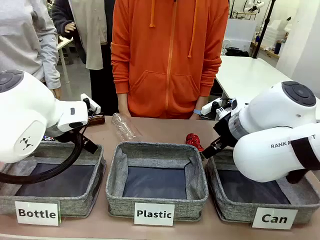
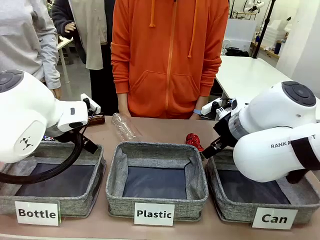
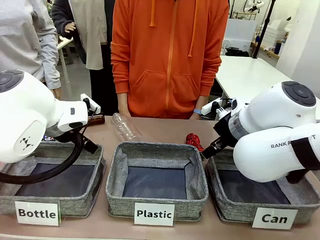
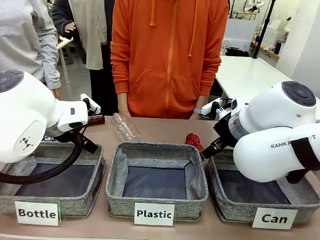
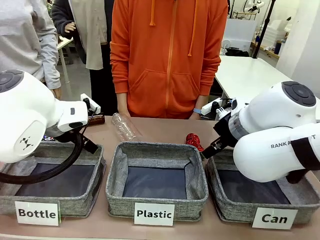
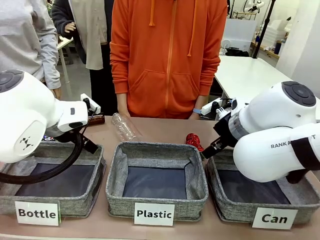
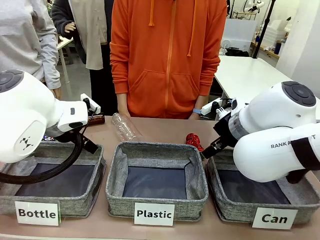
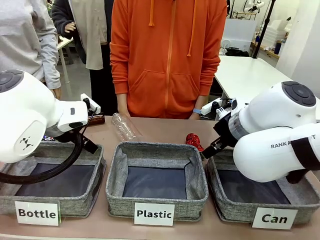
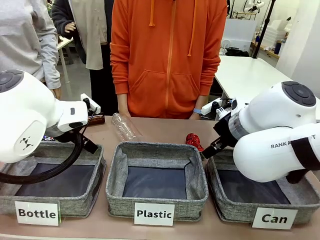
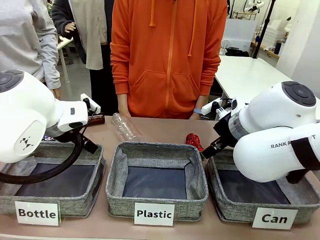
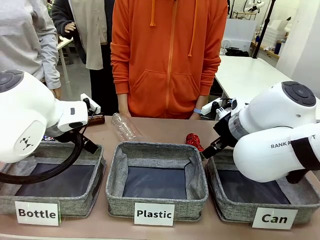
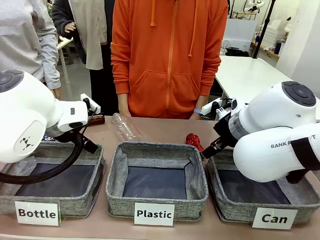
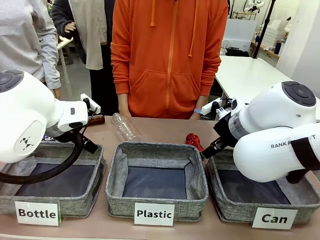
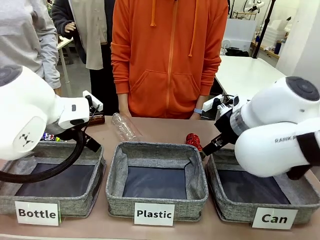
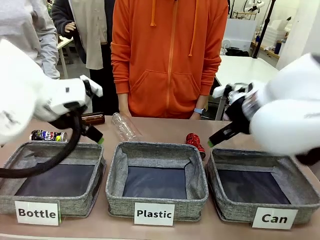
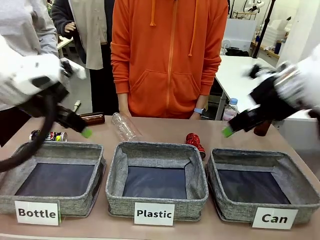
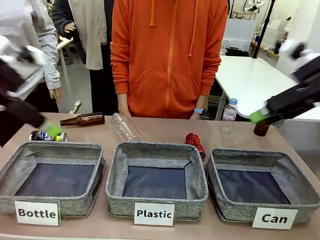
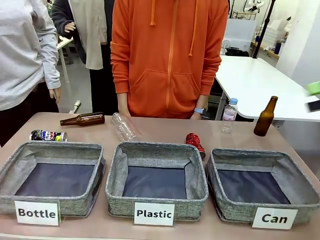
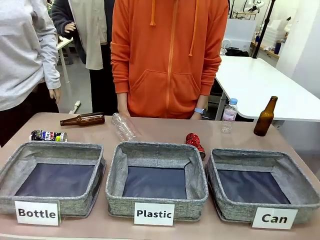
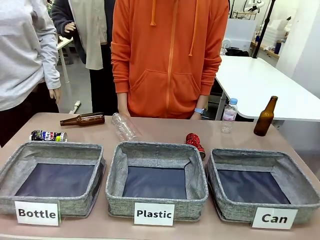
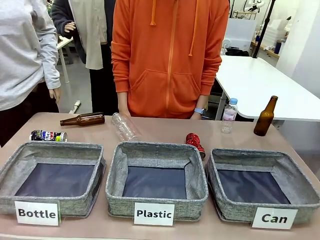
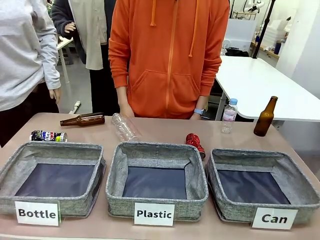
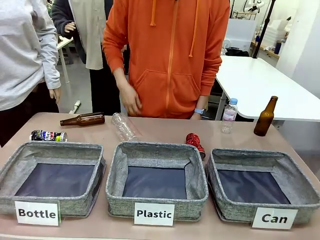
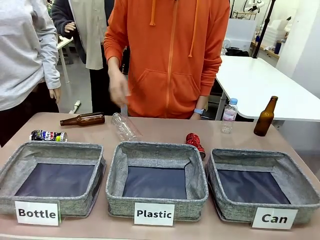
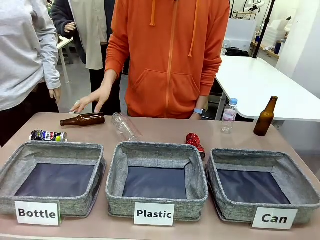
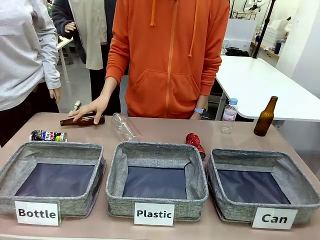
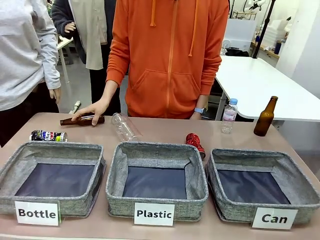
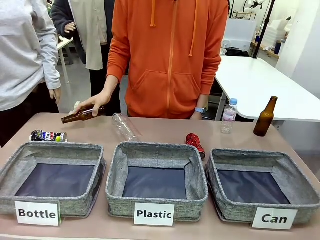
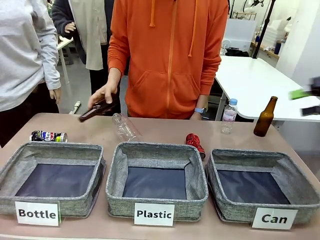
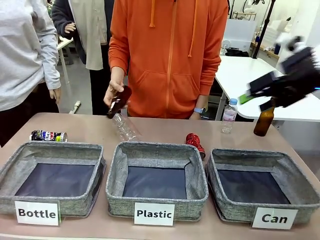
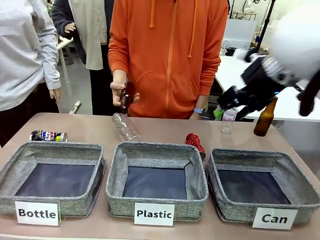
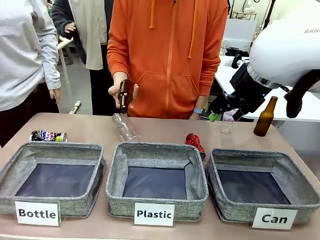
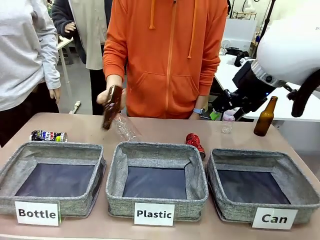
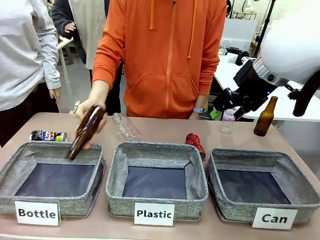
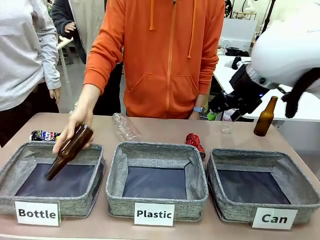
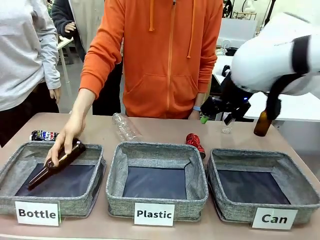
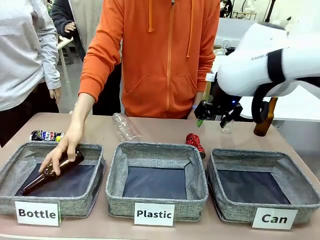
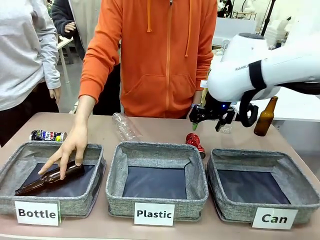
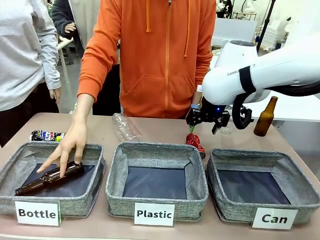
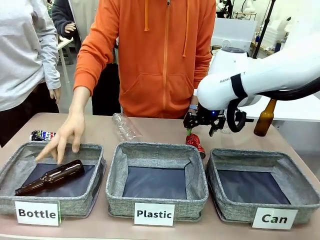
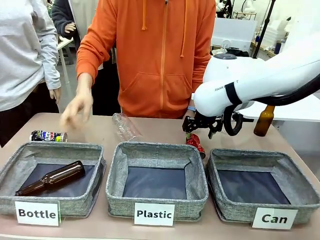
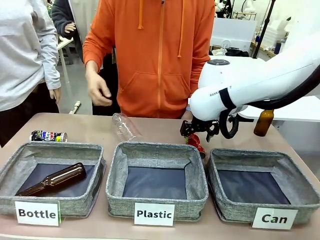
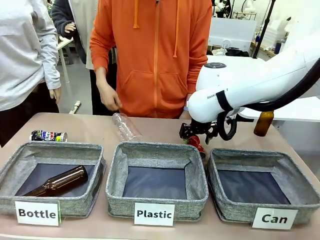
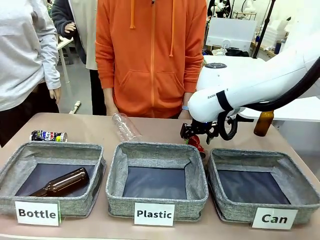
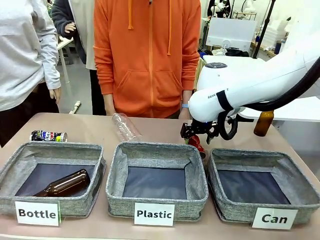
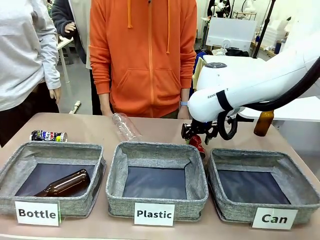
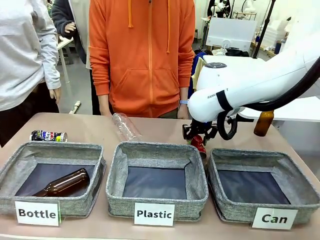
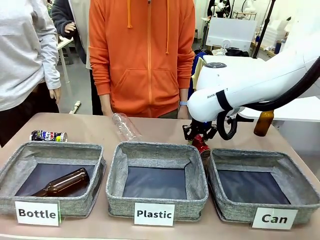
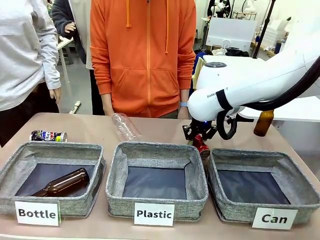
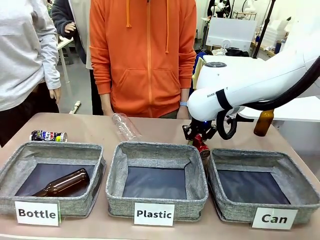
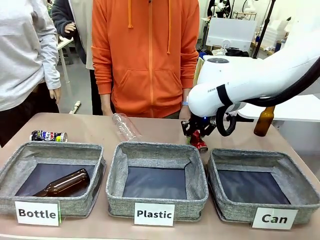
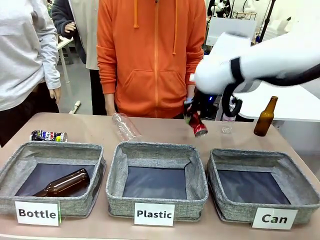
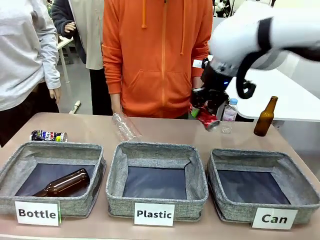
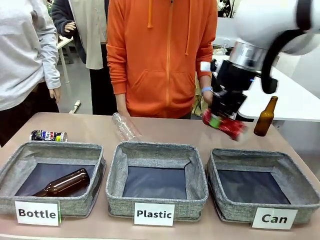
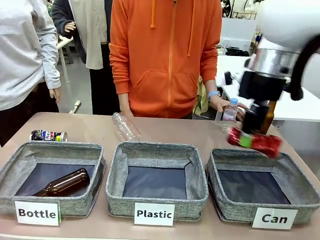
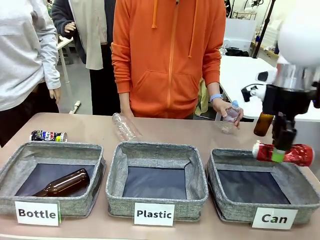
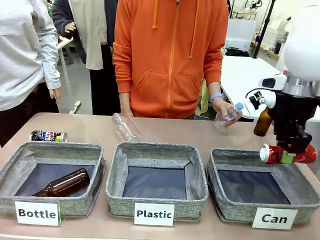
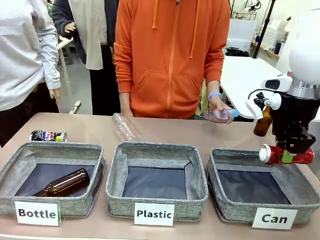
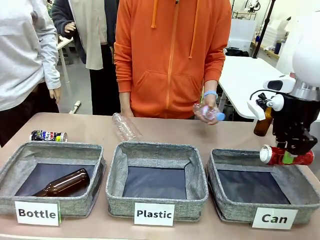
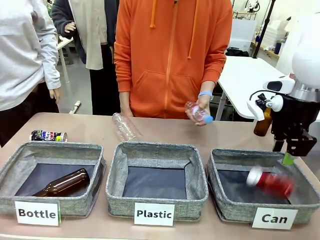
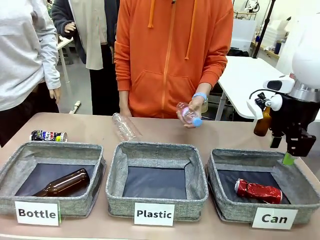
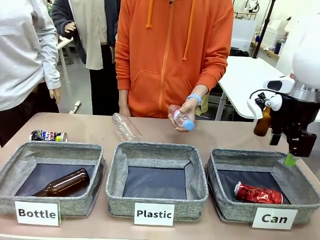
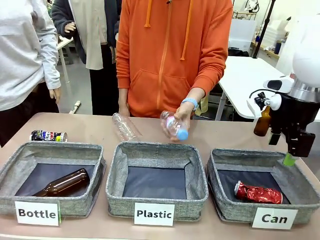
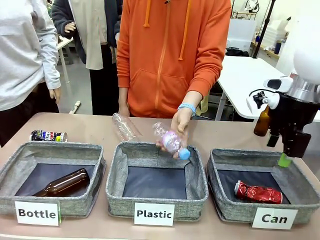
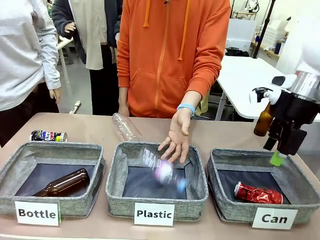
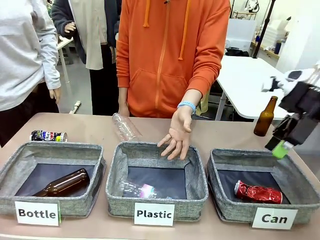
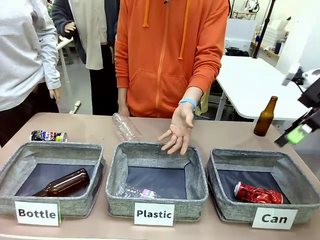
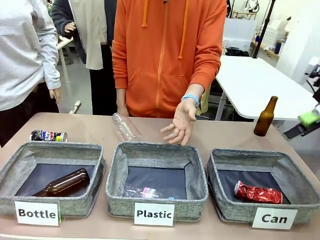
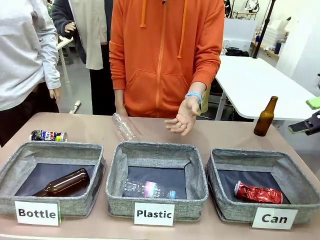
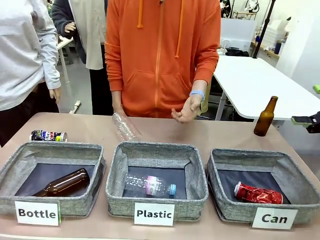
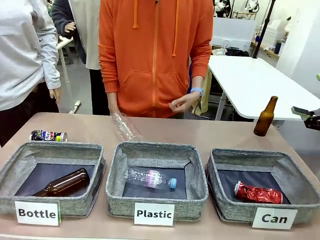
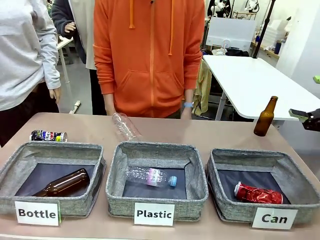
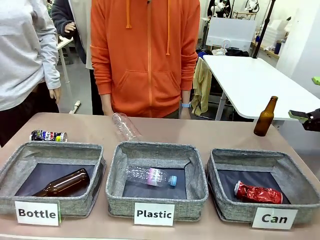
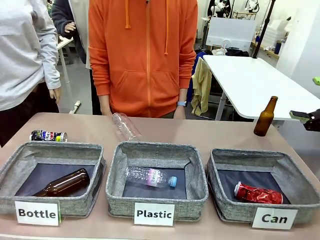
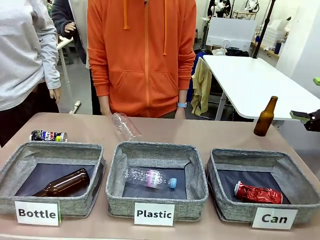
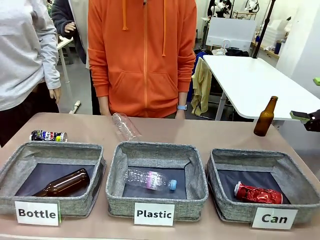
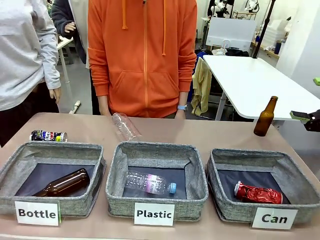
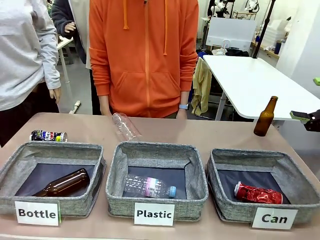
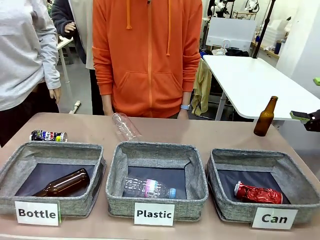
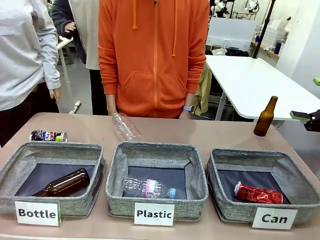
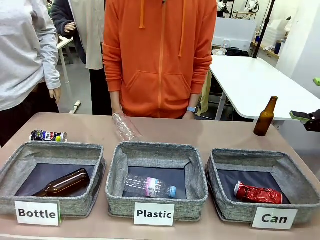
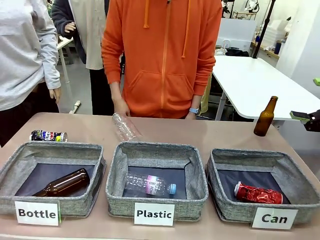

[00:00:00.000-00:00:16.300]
Task: Sort the can waste into the basket.
Robot: Pick up the can waste from the table and place it in the right Fabric basket.
